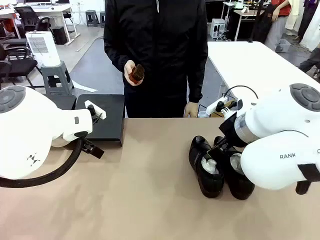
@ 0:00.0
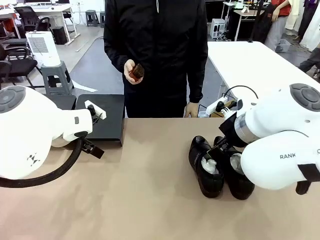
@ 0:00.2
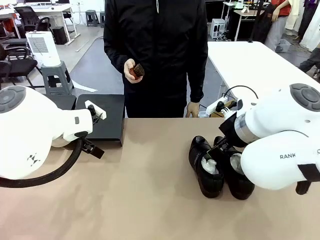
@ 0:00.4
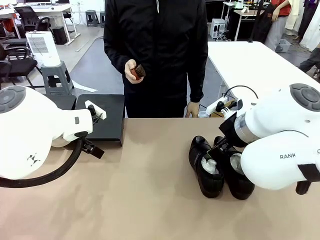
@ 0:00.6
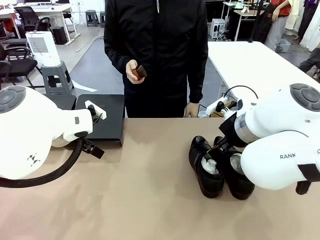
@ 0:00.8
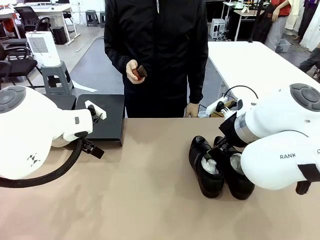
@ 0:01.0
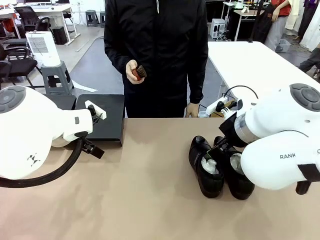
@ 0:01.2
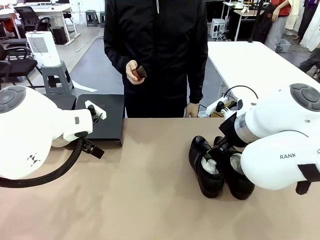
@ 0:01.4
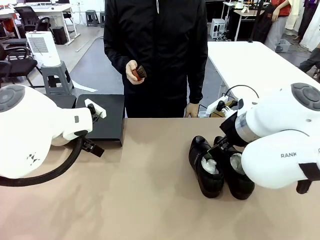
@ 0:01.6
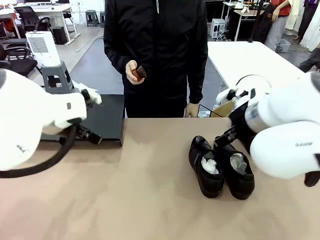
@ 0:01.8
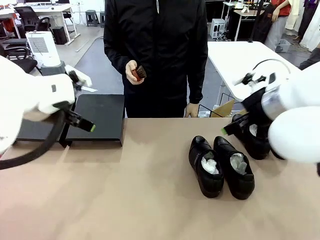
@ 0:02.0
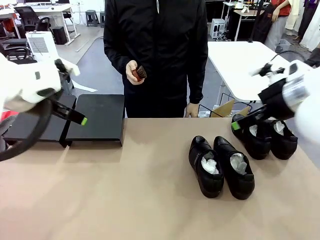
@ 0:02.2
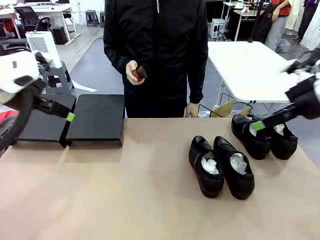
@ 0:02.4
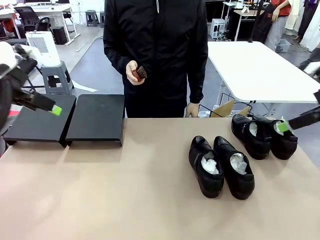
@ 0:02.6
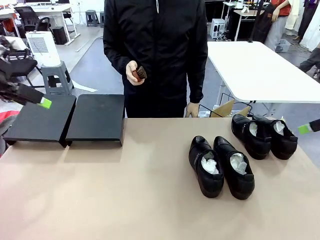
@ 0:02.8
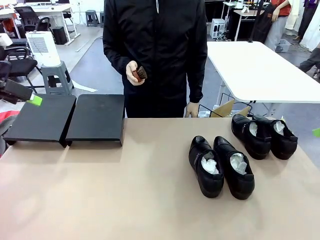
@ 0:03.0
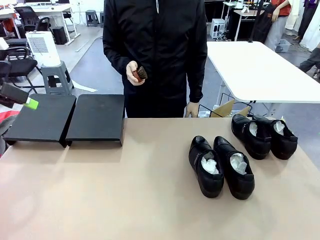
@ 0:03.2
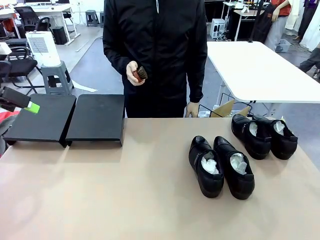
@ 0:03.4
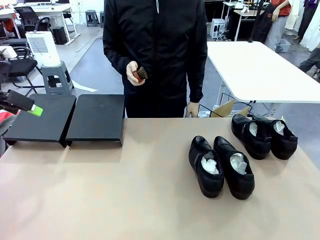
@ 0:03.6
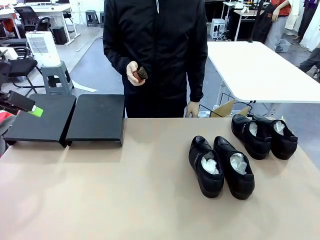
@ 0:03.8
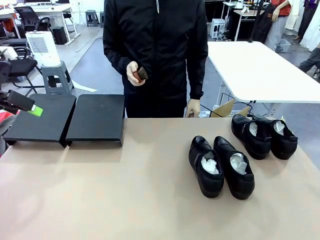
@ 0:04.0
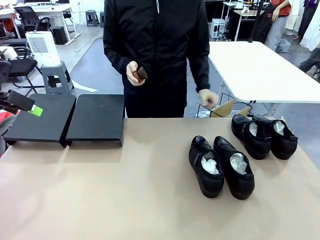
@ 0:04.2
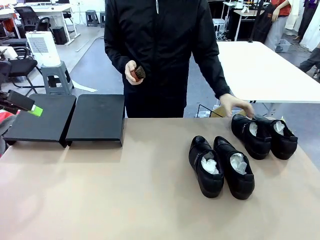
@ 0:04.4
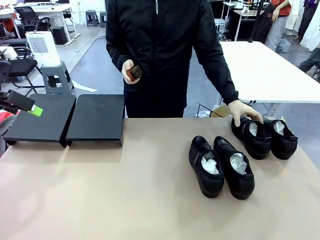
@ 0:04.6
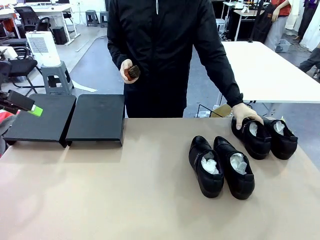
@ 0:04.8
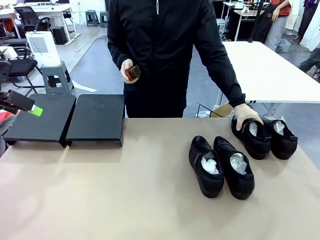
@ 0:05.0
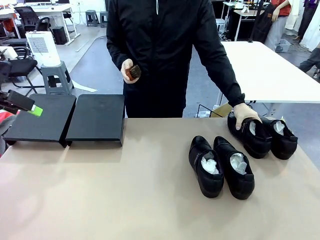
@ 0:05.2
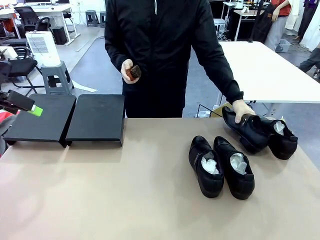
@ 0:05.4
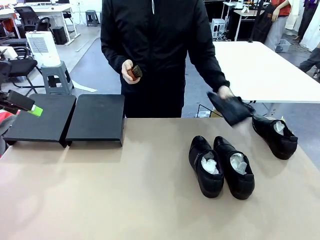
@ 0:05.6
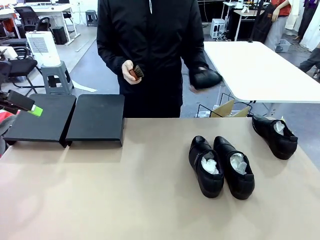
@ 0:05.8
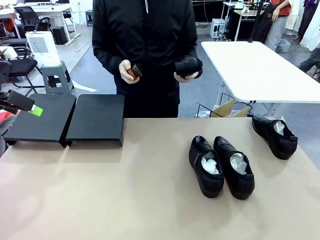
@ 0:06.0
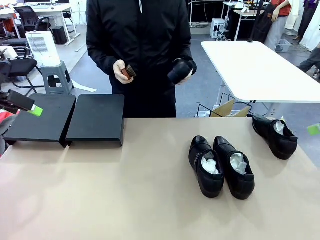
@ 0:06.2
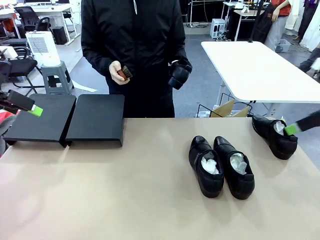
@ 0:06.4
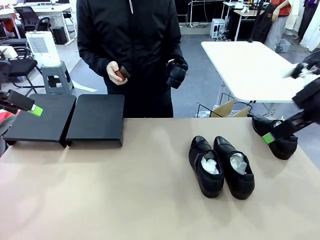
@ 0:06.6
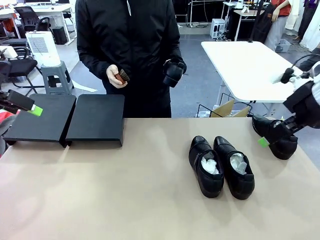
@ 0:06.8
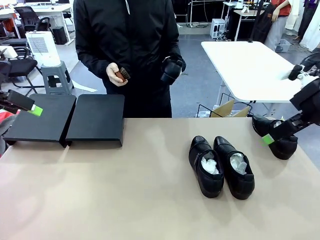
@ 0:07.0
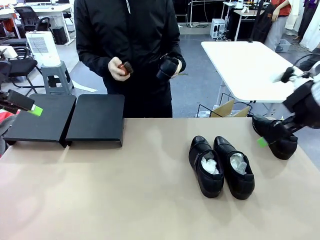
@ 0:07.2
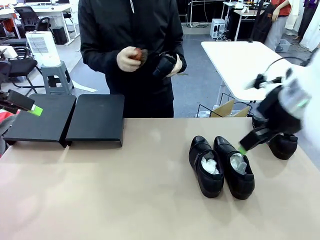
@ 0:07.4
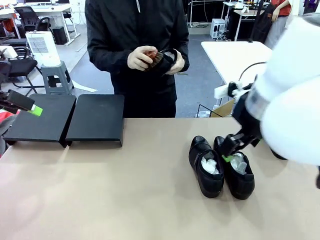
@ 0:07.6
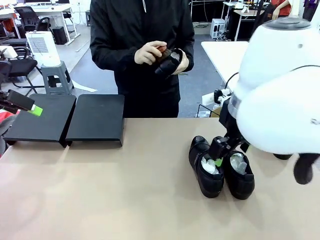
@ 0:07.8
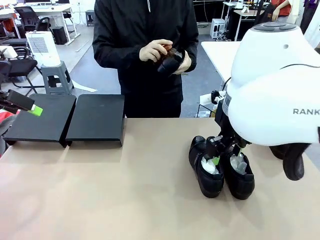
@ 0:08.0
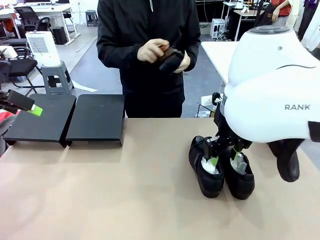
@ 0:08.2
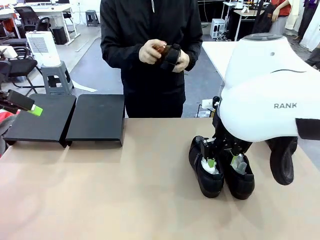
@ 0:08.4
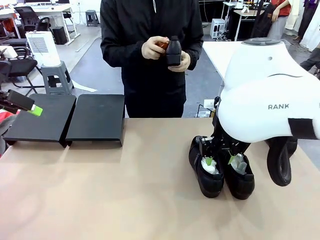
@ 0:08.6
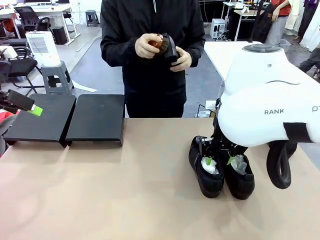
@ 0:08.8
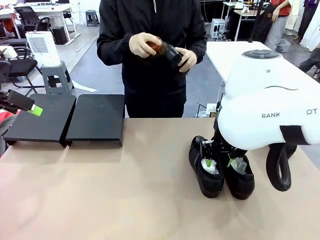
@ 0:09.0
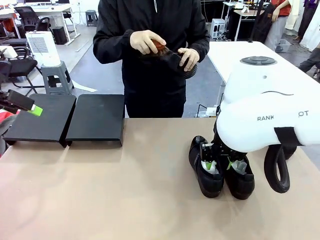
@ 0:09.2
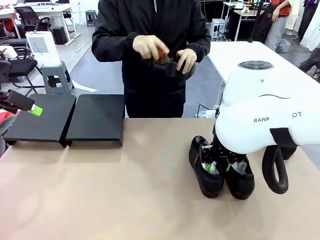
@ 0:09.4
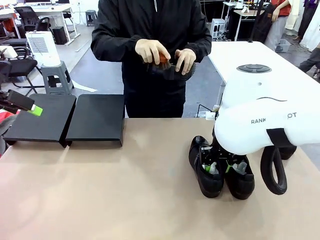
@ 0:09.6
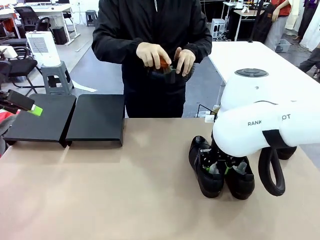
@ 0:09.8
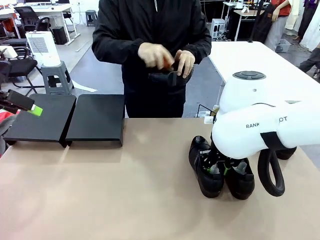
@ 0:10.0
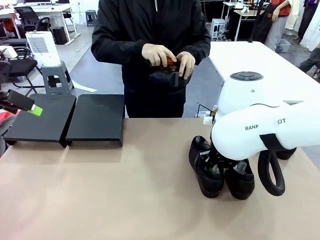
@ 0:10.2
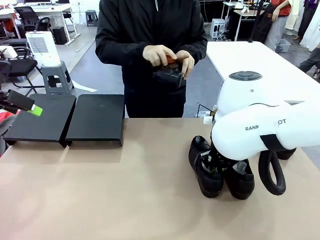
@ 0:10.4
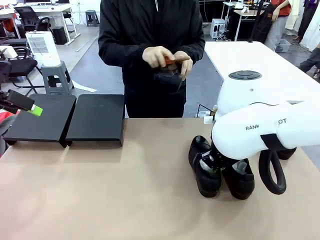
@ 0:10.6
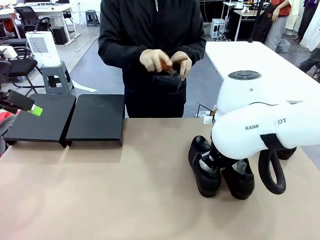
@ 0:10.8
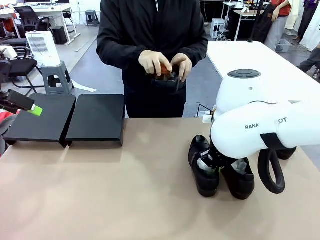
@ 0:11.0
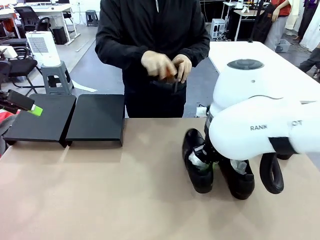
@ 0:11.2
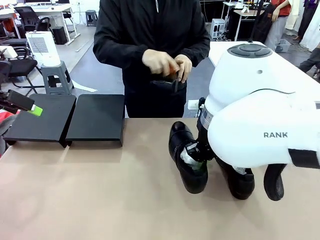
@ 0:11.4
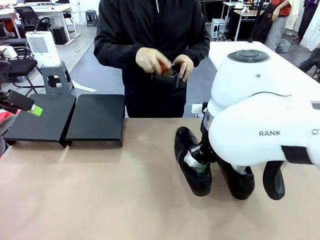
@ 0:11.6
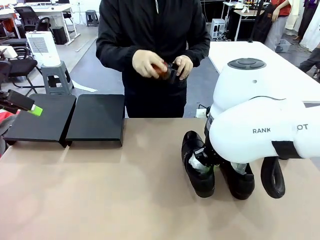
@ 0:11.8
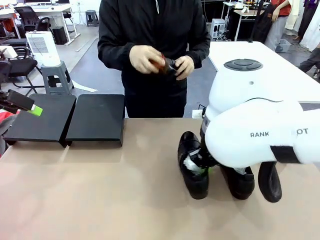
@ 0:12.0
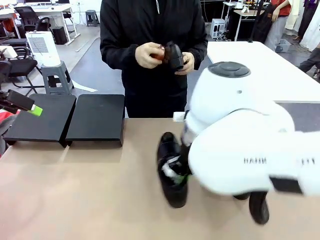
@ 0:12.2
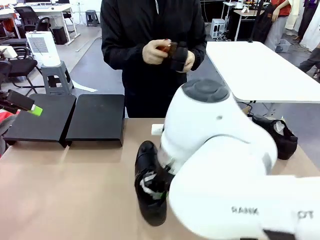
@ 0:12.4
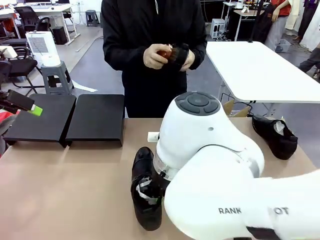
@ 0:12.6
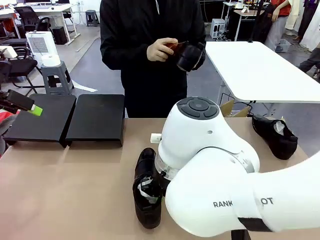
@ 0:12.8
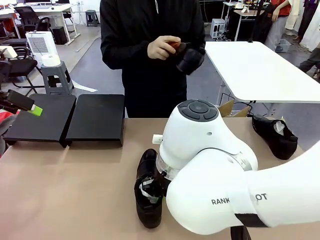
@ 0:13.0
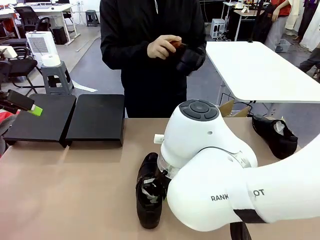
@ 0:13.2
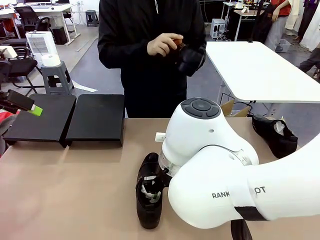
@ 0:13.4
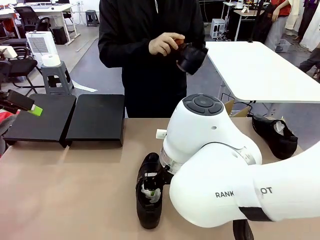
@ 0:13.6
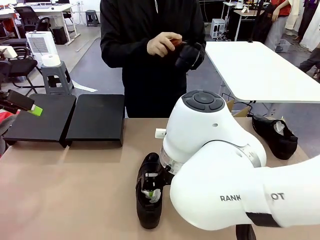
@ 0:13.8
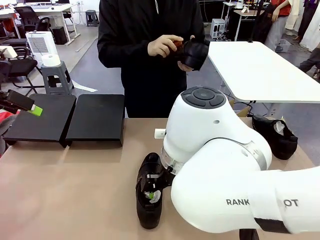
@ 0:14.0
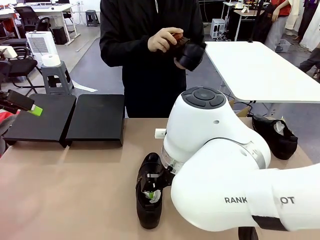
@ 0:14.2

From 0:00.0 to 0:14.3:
Task: Organize the shoes by placing them on the stand.
Robot: Pick up one Shoe and place it in the middle of the table.
Person: Pick one Shoe on Robot's table.
